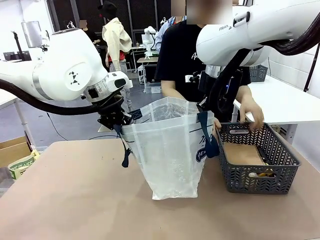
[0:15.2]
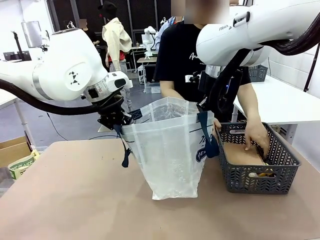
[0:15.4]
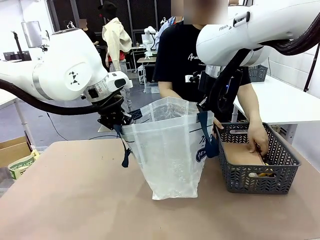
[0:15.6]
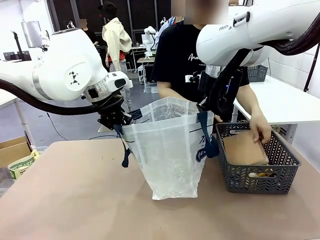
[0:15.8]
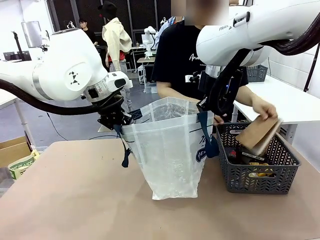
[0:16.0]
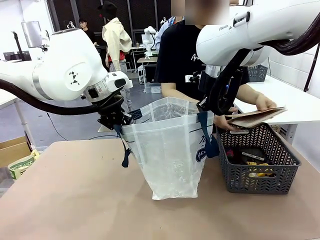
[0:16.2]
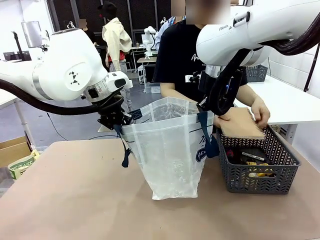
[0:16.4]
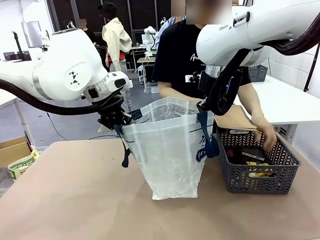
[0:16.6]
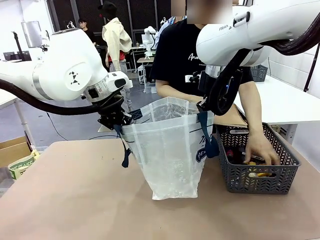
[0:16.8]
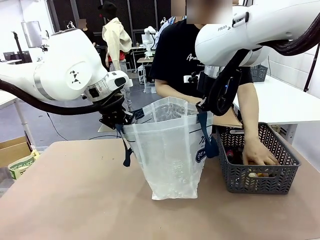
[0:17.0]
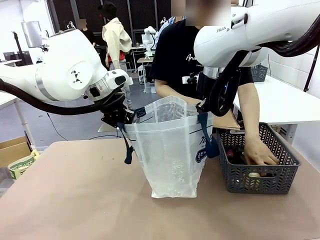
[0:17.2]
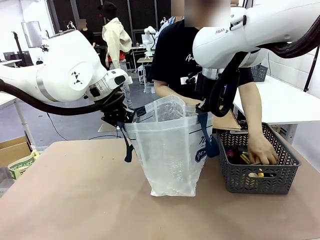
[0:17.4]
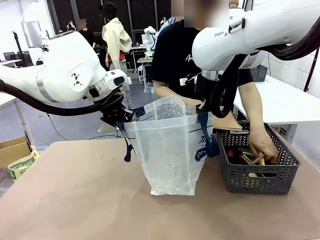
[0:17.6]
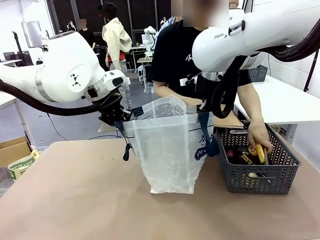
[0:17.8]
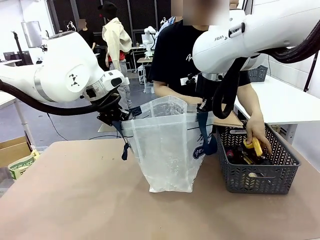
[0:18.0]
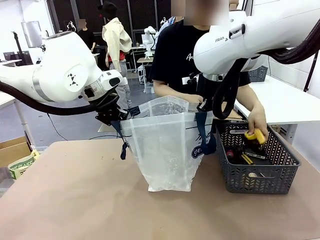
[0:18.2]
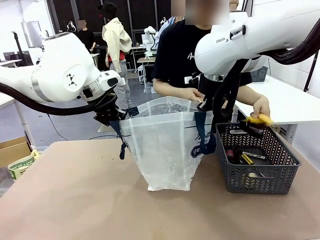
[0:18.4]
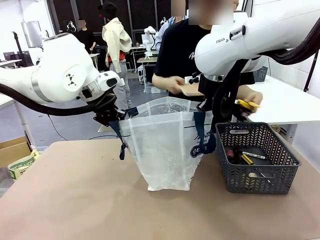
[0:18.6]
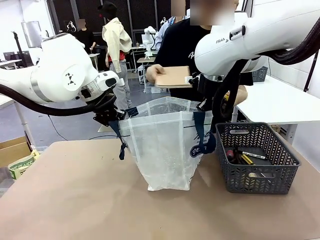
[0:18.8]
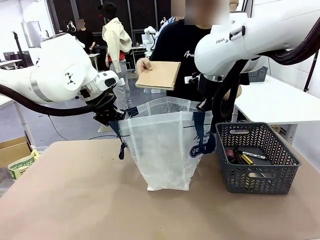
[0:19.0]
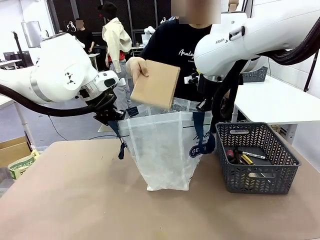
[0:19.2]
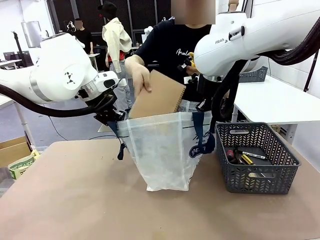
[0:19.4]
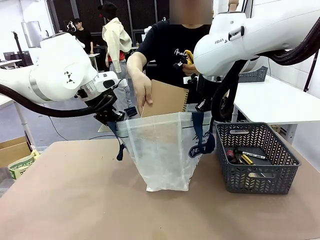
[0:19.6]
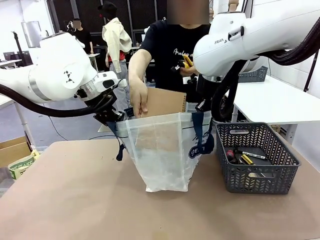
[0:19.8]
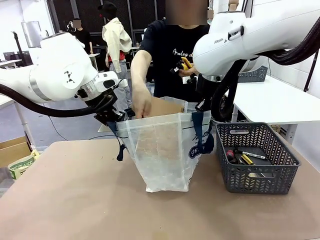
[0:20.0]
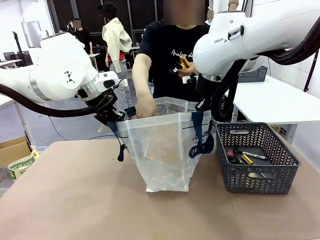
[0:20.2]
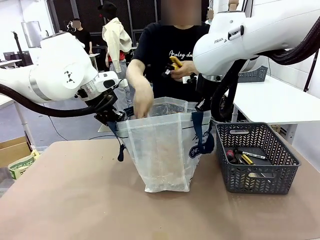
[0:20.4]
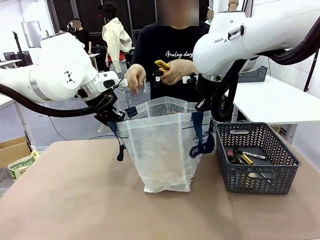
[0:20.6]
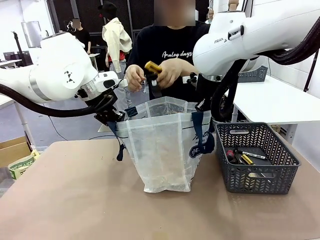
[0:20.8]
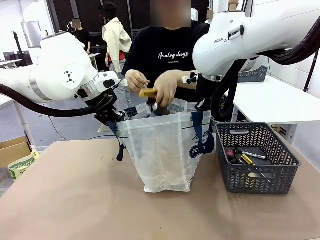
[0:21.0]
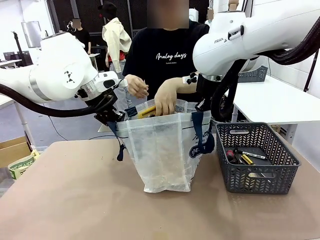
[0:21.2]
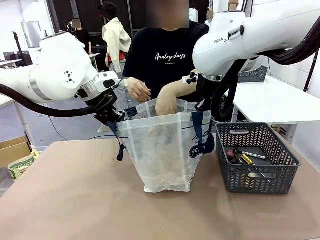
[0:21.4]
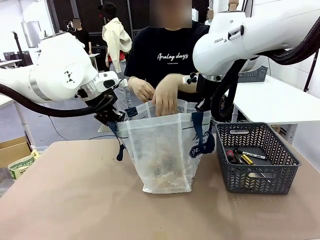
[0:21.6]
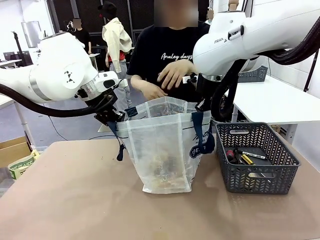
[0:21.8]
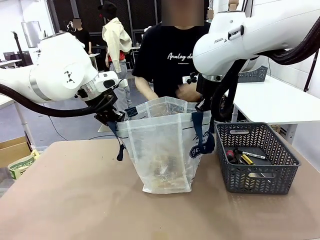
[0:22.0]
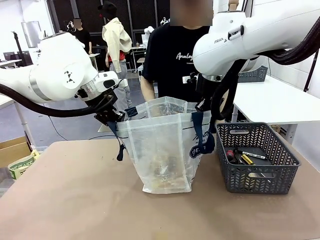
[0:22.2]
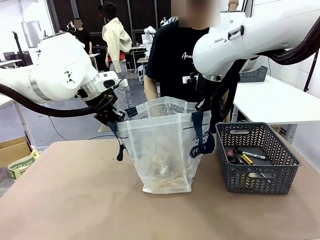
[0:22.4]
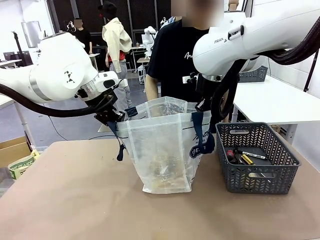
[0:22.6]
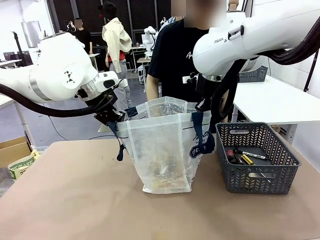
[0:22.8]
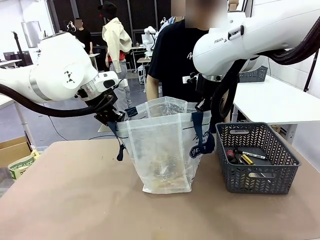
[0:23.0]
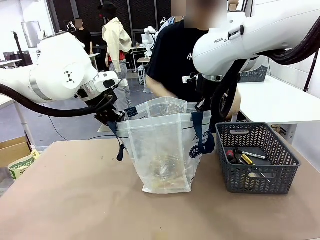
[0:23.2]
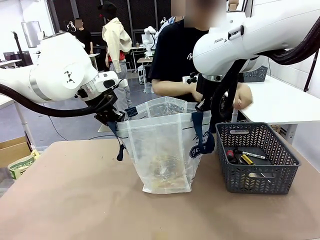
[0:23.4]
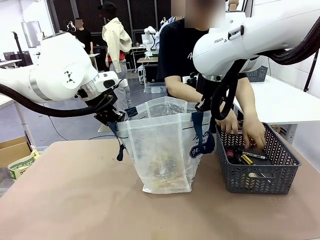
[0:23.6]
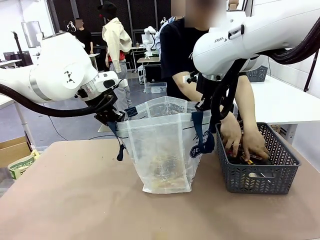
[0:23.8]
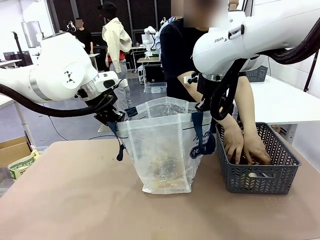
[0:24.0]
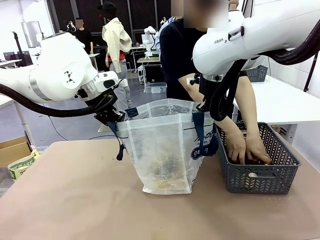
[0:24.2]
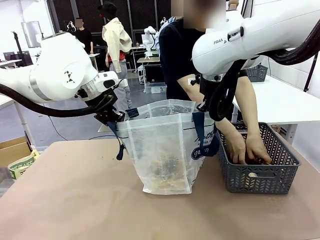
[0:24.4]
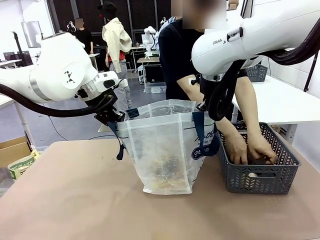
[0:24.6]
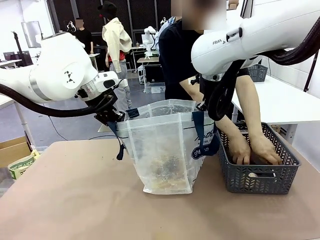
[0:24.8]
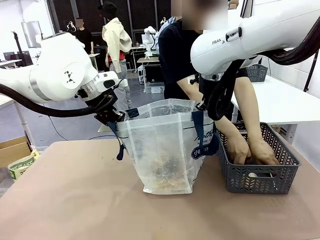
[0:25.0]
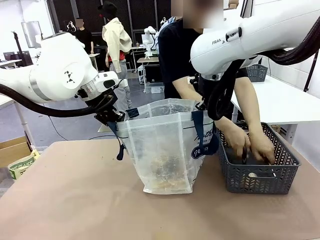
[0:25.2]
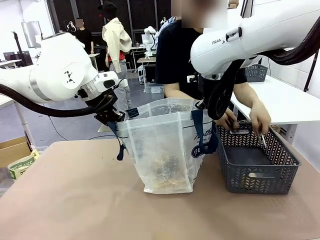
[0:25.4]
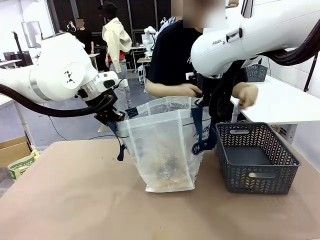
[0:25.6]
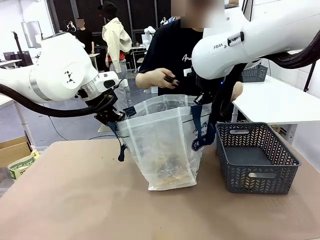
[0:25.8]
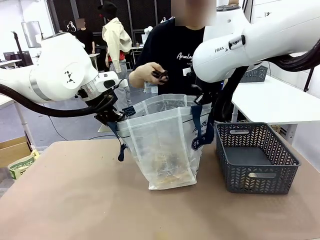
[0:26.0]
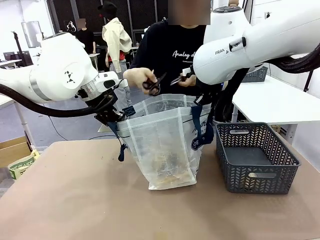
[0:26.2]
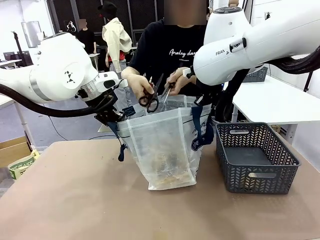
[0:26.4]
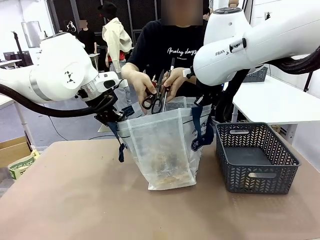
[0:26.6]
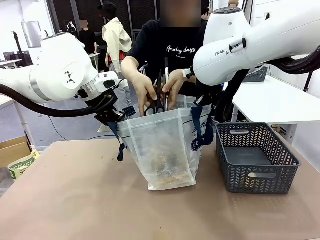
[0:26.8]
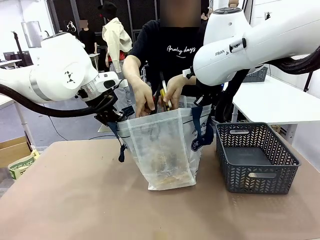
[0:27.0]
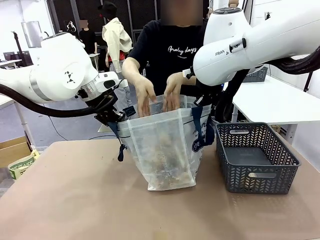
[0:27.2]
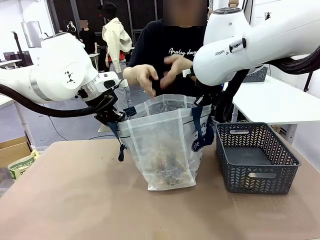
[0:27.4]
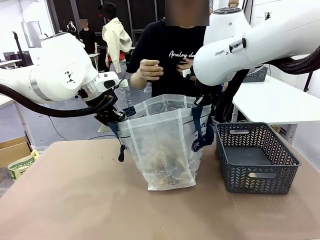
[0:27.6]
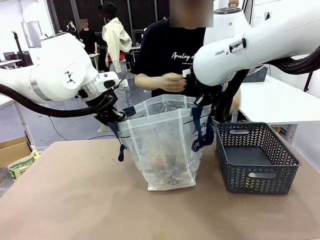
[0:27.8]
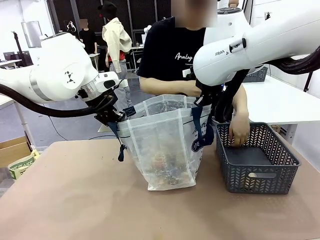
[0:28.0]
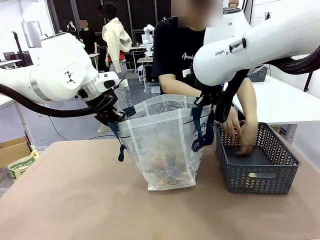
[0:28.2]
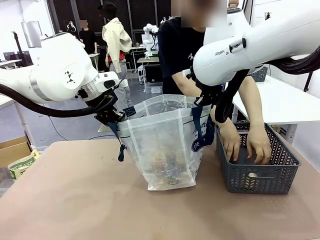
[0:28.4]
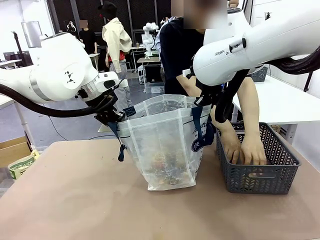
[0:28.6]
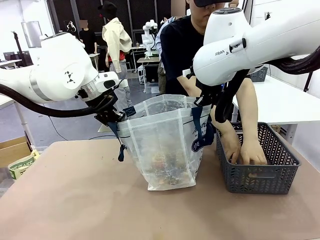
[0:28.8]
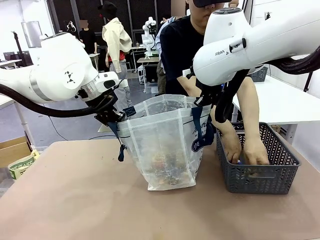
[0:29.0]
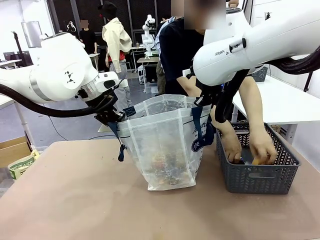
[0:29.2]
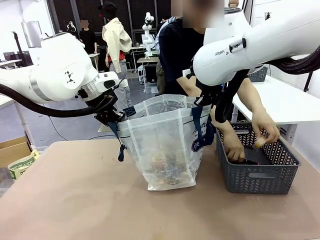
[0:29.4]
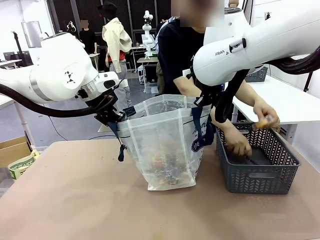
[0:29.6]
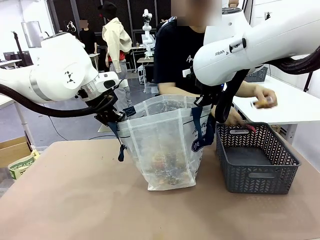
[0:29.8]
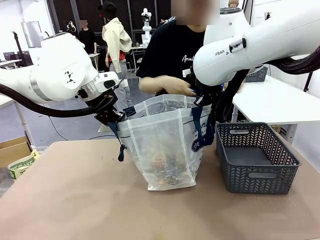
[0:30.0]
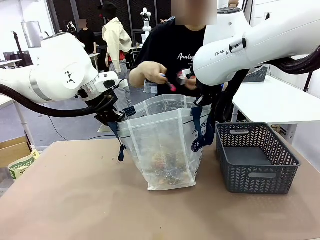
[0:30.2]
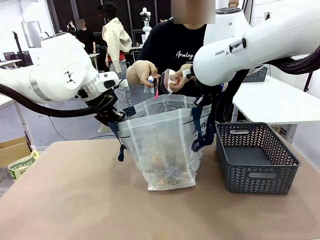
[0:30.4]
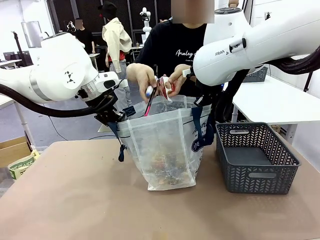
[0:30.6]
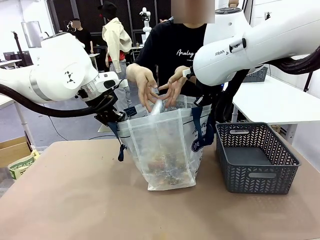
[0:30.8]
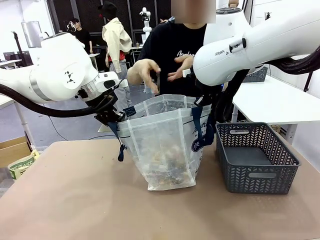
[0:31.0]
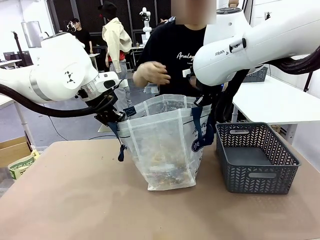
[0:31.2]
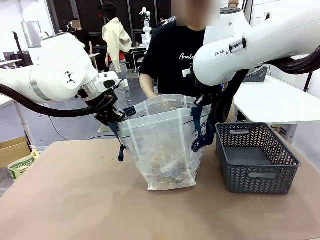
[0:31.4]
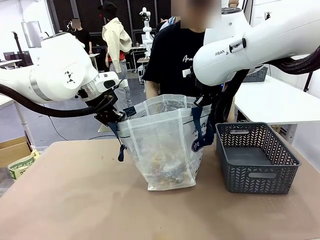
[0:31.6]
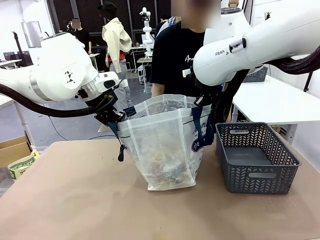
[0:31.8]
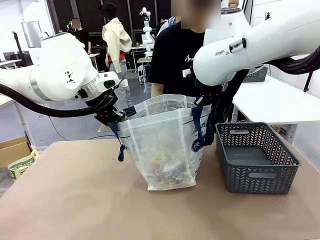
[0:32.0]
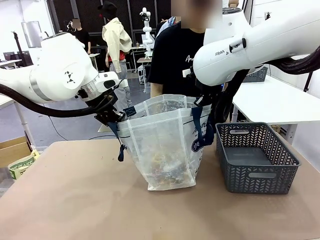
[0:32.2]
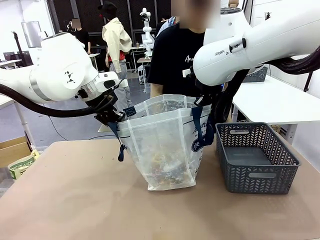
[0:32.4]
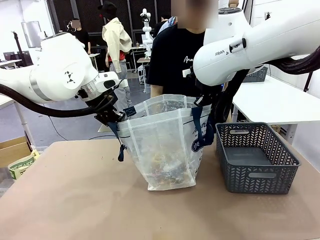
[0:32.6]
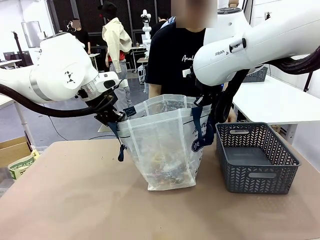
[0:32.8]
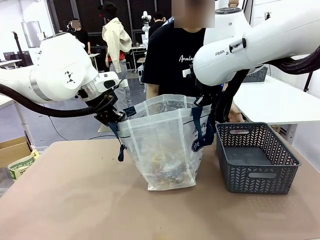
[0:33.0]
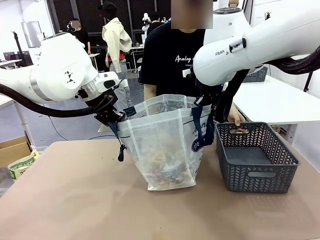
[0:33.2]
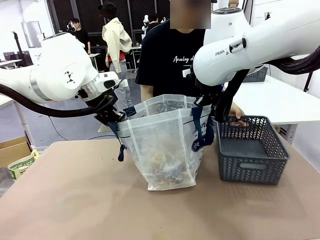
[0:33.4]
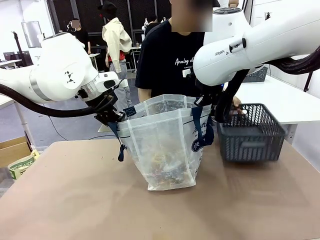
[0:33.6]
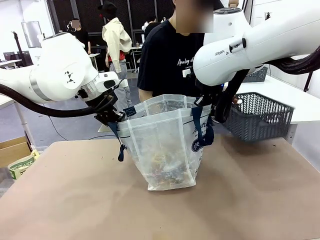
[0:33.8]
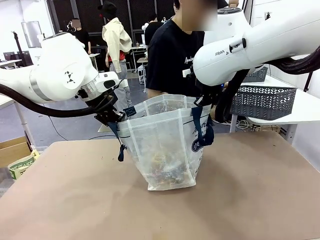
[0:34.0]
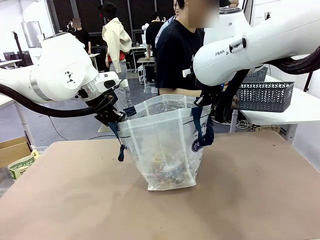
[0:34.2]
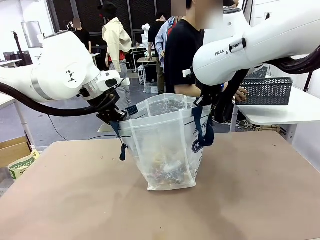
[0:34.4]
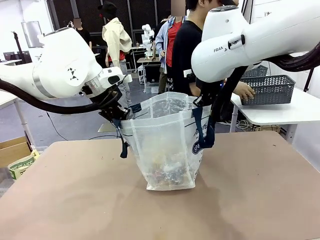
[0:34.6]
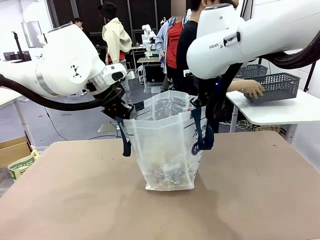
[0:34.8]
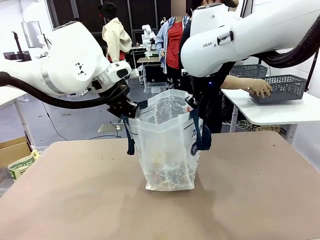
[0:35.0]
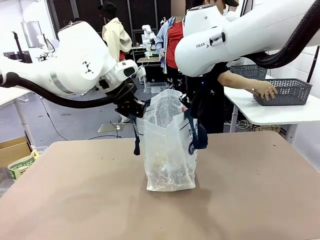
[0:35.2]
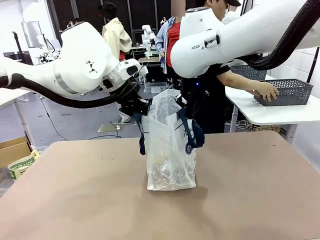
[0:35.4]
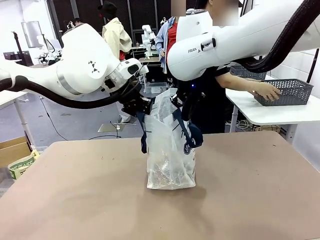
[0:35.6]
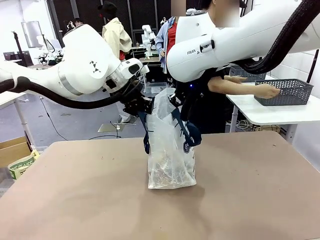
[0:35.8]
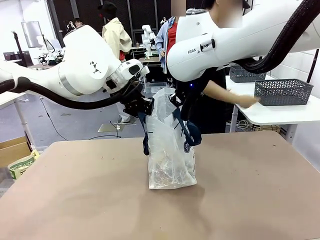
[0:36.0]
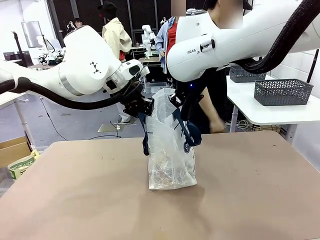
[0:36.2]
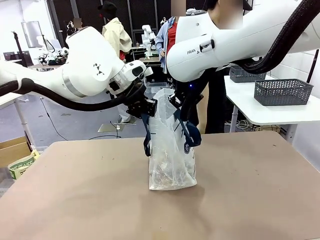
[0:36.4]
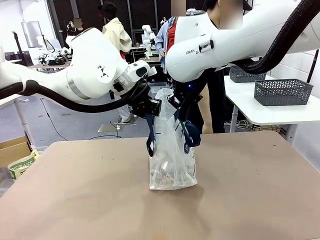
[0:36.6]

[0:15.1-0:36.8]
Task: Transfer purchased items from the store into the shopping bag.
Robot: Move the Reusable shopping bag to the right side of the table.
Person: Pick up the basket on the right, place it on the left side of the robot table, and move the items in the basket to the shopping bag. Pick up the basket with the items out and place it on the right side of the human table.
